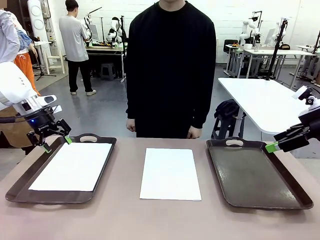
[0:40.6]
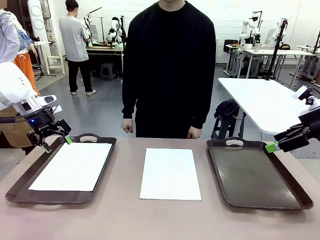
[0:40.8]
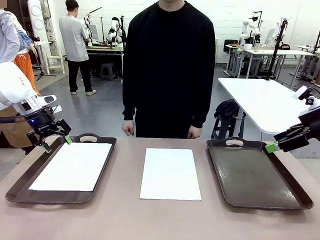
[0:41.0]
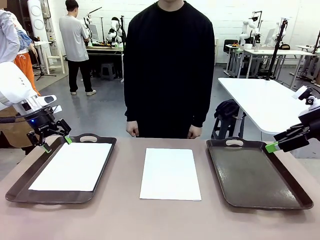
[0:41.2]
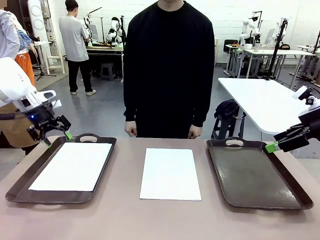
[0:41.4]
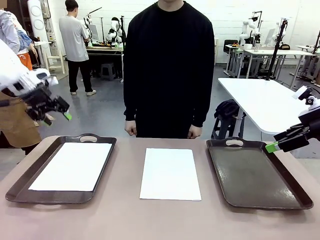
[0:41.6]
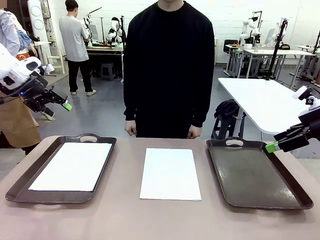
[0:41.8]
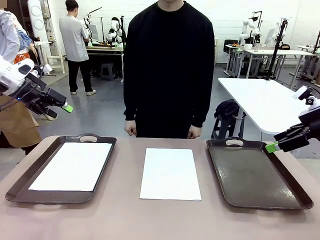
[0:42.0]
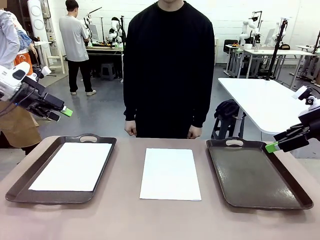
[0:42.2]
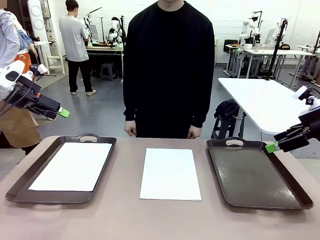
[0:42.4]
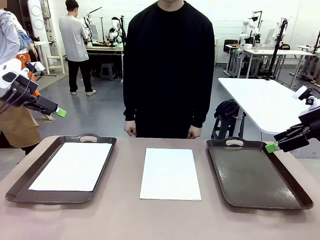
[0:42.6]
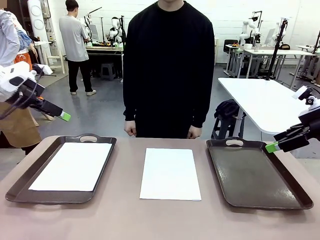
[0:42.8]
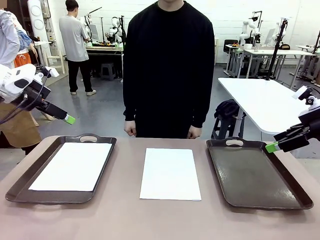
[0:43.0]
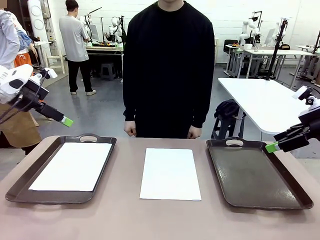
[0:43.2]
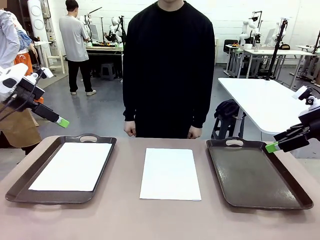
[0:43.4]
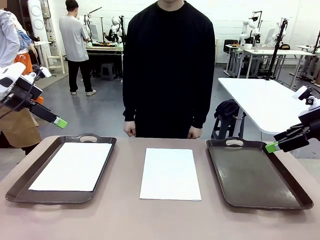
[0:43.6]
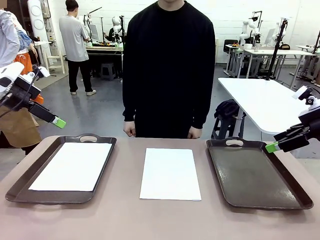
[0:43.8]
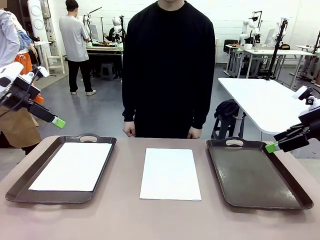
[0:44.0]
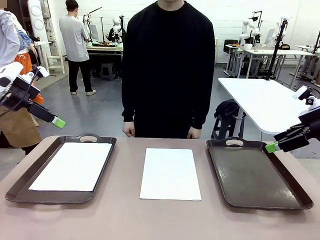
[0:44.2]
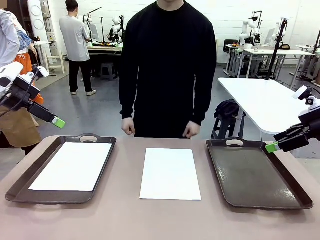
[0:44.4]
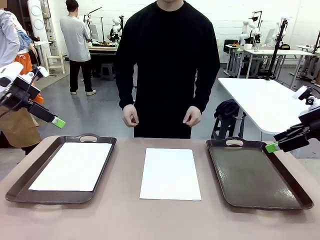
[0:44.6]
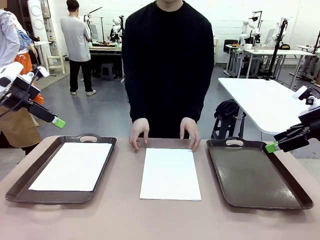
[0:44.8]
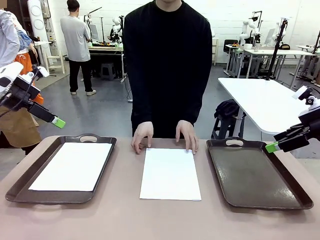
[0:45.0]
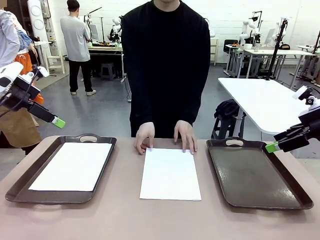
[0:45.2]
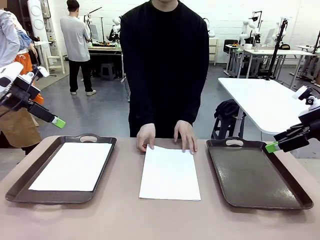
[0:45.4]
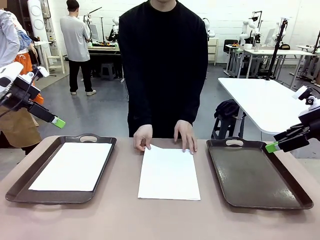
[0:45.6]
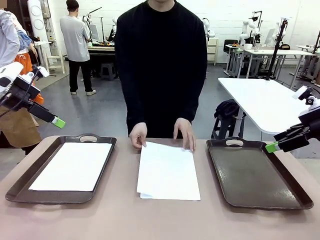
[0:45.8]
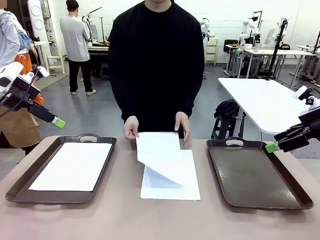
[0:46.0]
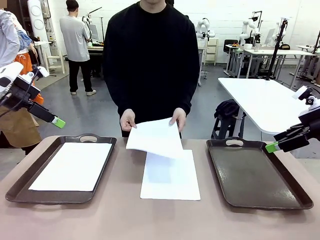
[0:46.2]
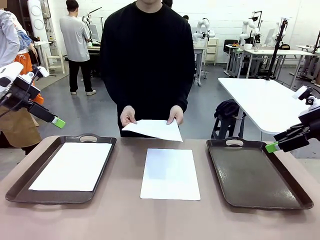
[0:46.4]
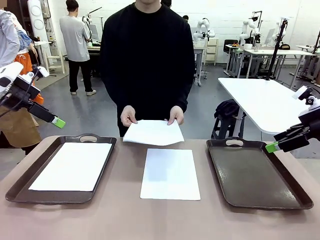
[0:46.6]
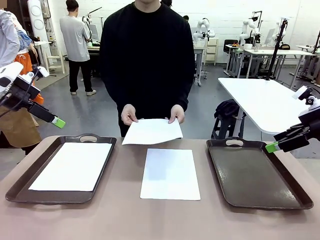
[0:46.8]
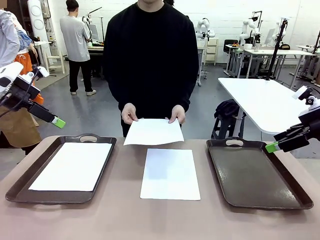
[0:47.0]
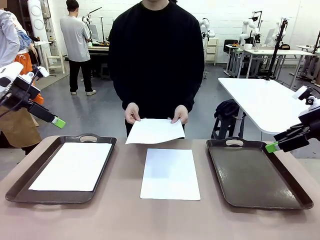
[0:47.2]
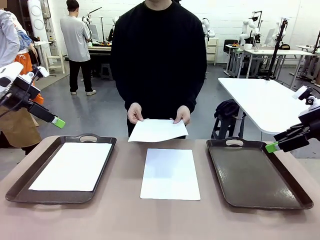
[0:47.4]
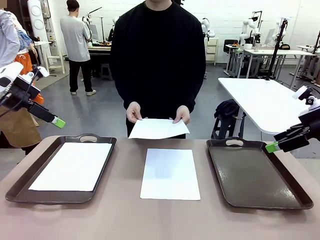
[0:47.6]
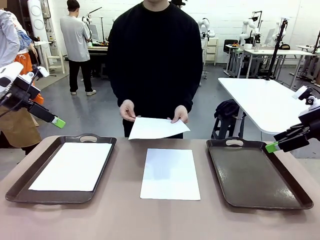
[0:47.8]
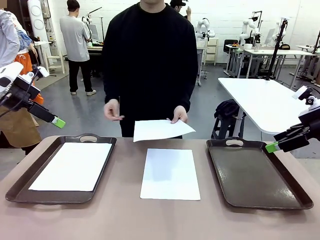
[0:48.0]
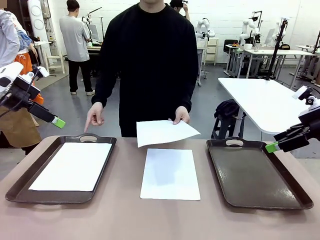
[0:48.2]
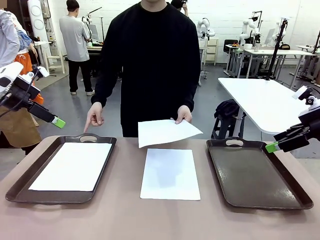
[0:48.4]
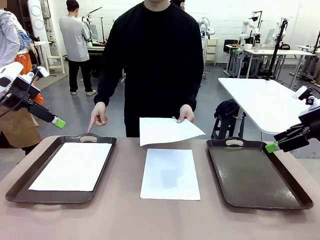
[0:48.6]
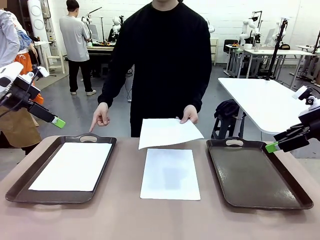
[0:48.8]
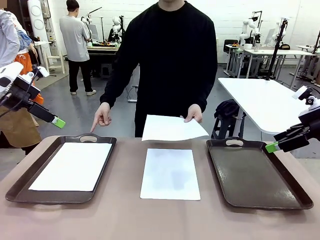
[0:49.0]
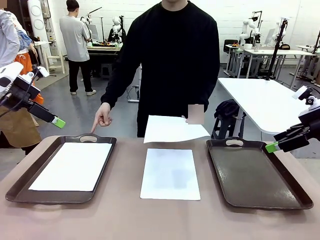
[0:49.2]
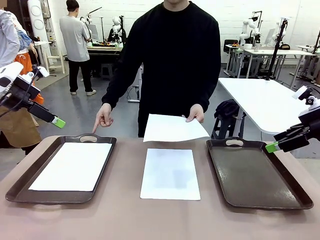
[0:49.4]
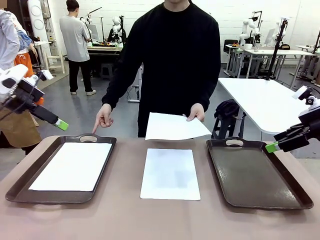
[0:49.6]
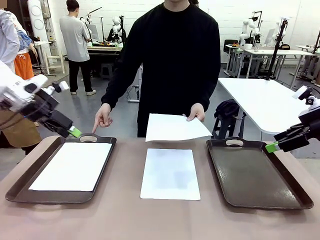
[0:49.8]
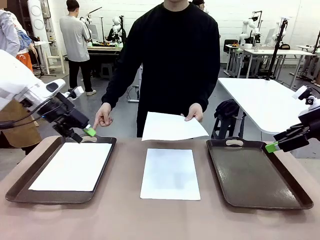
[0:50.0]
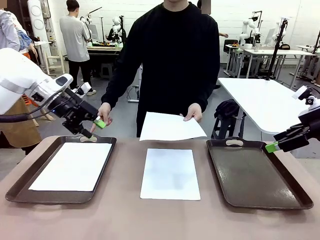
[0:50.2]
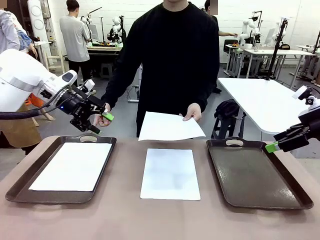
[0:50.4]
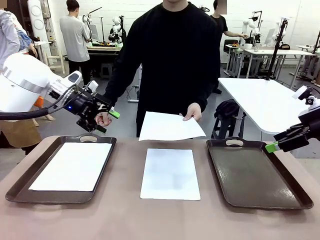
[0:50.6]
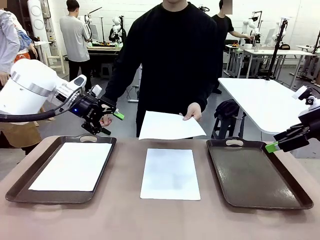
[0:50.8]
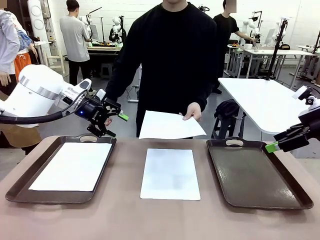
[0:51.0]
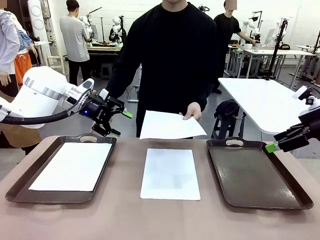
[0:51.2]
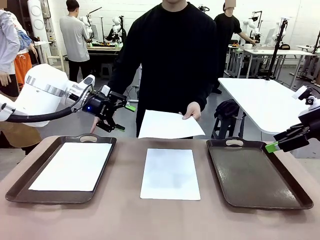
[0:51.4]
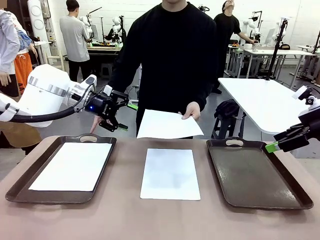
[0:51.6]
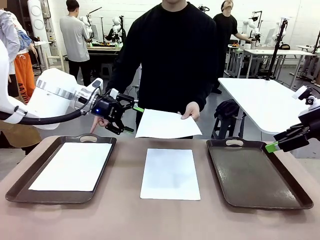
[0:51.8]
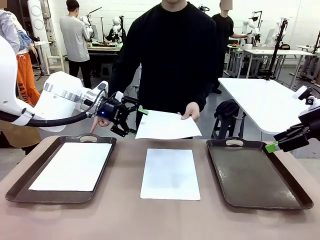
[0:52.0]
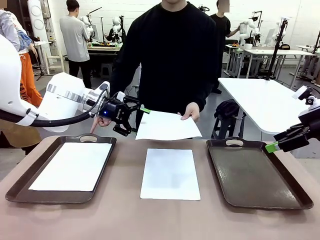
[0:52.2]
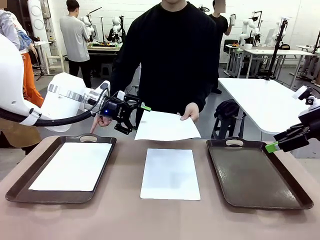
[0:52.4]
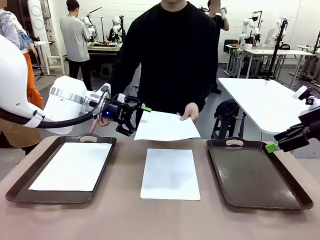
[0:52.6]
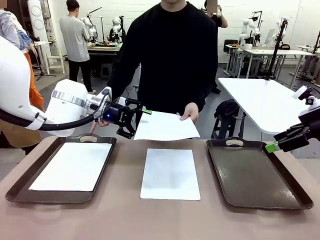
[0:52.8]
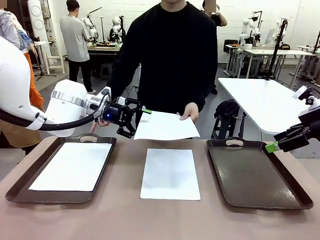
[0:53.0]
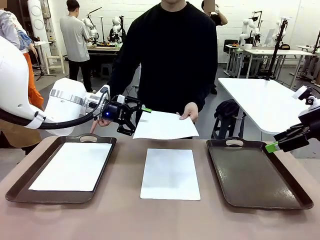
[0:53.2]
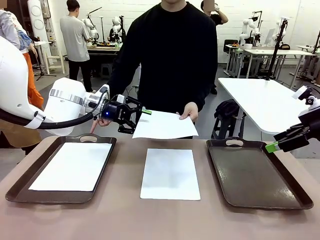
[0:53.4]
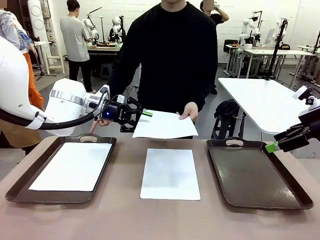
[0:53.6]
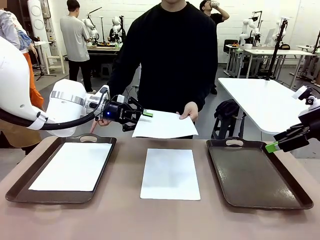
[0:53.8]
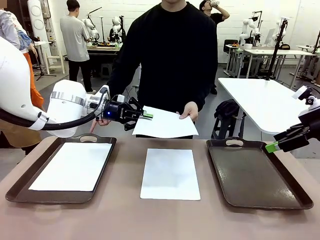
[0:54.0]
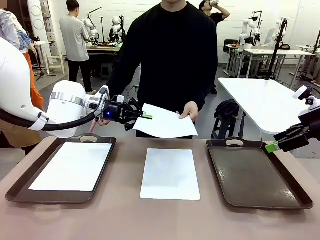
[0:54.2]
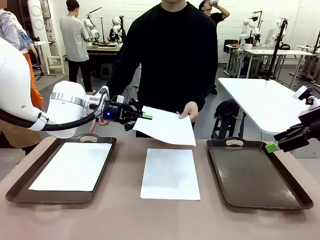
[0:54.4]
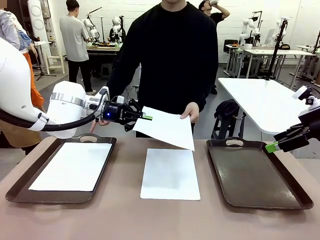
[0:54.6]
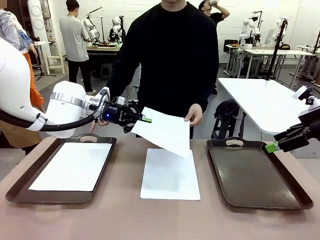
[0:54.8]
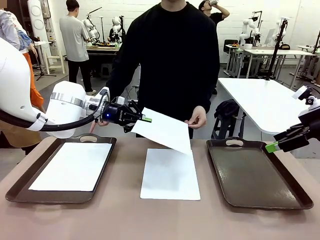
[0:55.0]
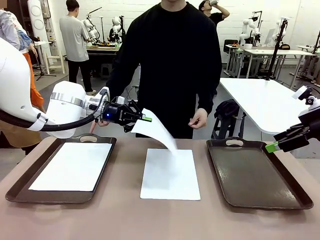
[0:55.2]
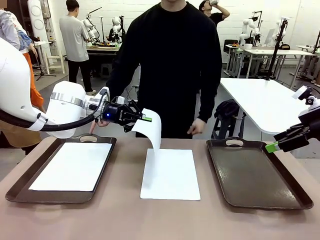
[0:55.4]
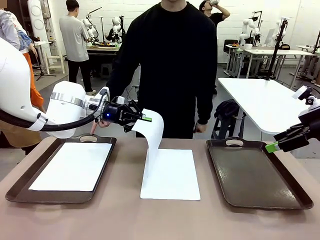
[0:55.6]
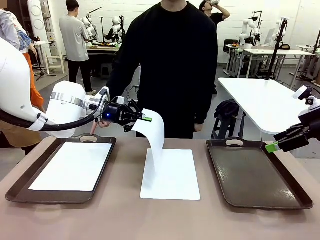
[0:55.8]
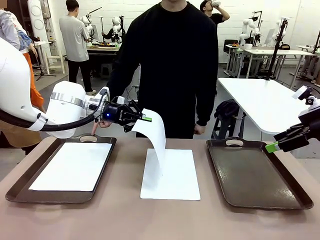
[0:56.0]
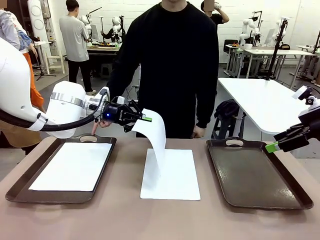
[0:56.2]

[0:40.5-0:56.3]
Task: Sort the A4 documents.
Robot: Receive the A4 Paper.
Person: Point the randomly selected tray with the other hand.

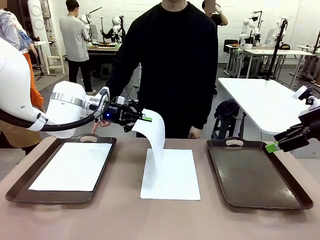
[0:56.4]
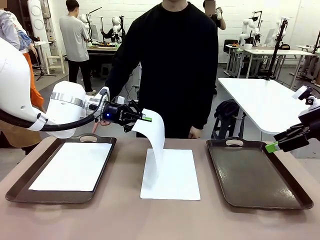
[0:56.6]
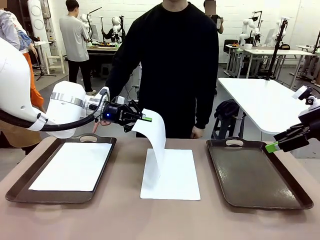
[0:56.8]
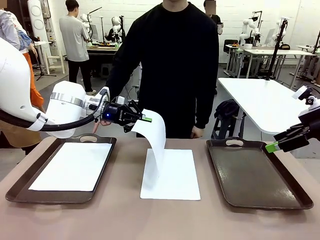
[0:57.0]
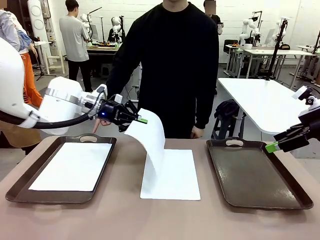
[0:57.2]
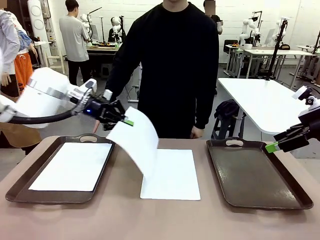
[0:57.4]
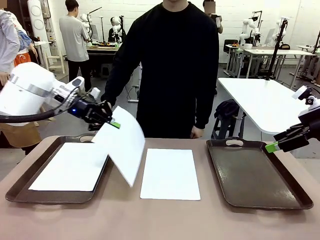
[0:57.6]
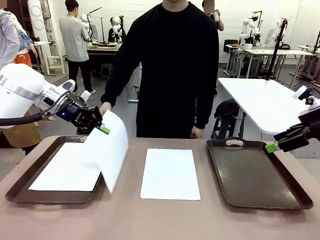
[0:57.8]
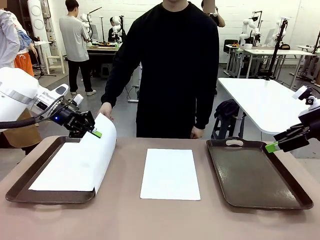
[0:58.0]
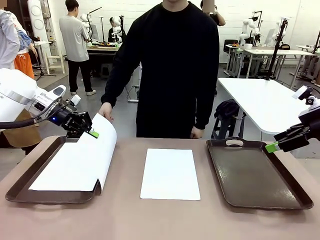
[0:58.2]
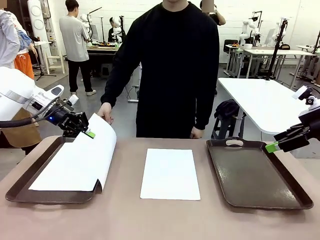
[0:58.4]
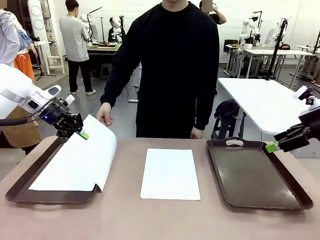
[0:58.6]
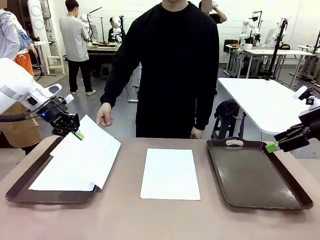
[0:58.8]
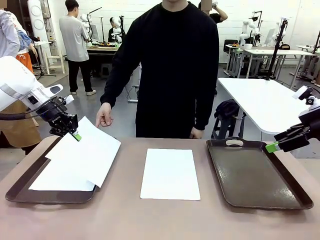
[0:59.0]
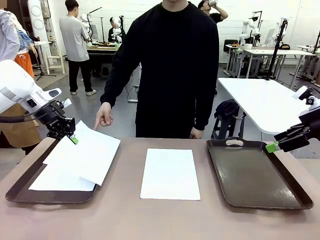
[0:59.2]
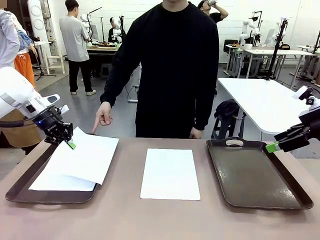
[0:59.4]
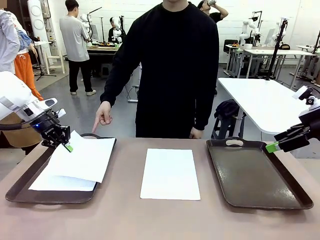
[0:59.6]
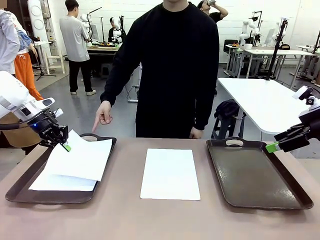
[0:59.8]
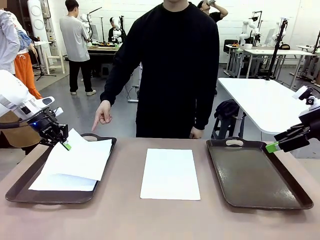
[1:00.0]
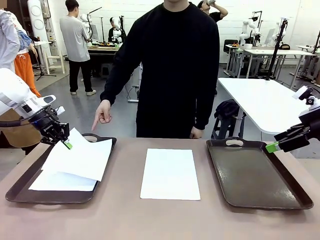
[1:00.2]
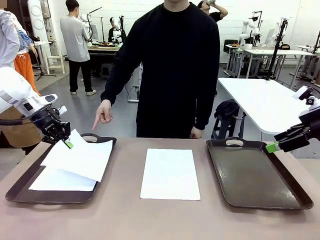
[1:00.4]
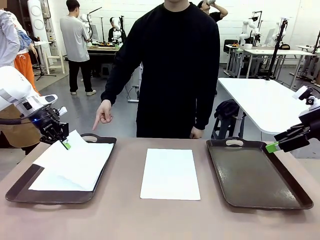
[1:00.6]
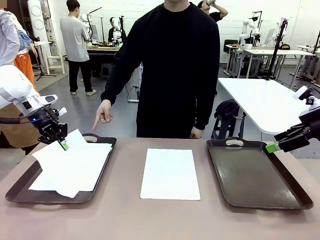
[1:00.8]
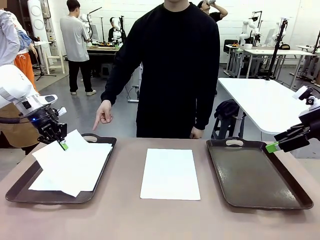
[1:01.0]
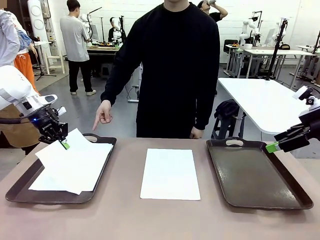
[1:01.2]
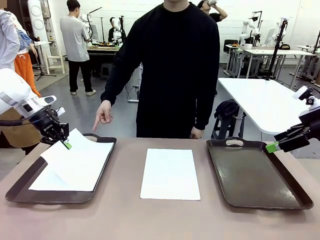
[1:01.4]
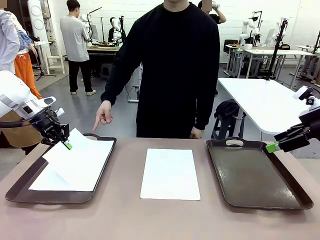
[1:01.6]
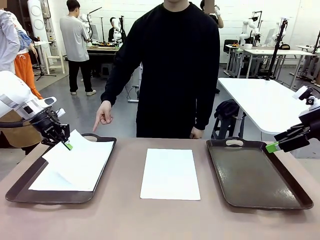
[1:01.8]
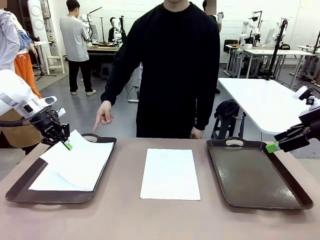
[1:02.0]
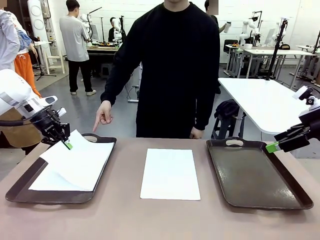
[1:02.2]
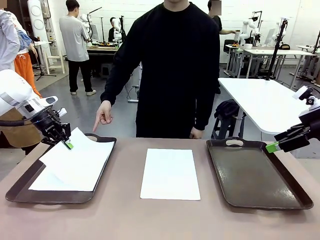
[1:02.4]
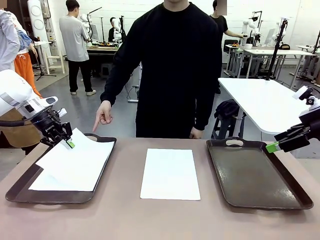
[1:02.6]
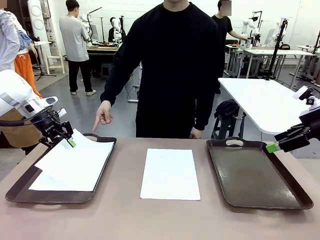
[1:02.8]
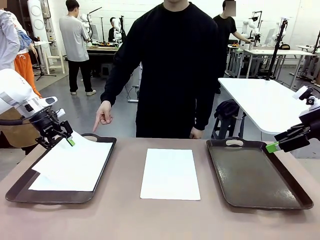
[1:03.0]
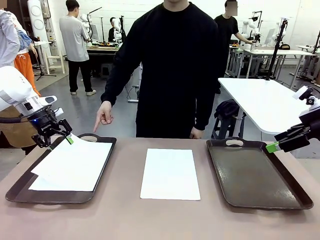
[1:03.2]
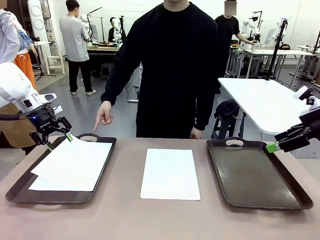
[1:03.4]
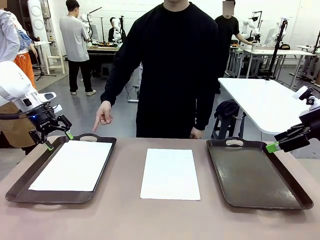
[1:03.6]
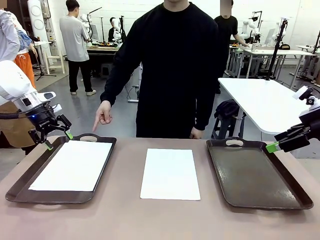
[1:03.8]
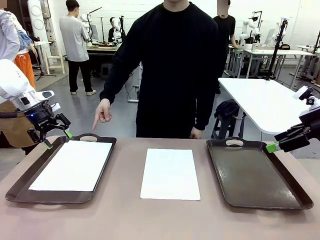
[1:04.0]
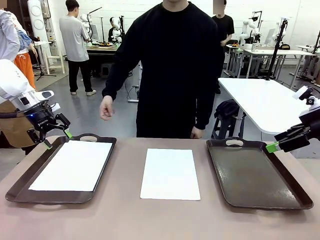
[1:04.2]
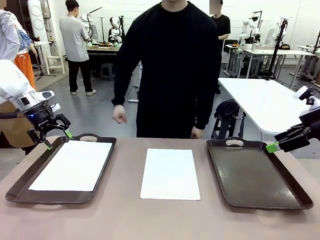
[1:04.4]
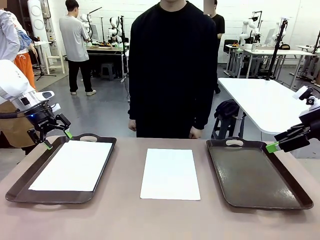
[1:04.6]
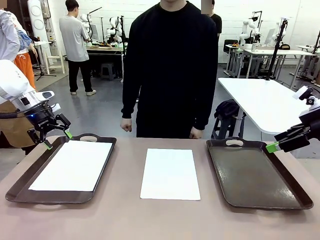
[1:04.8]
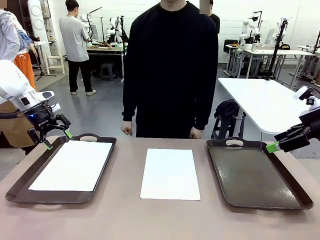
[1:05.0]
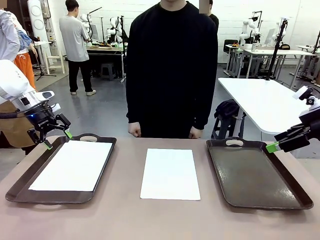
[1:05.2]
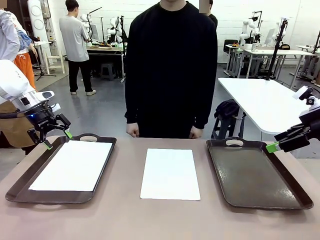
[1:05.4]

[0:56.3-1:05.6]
Robot: Place the A4 Paper in the designated Handle tray.
